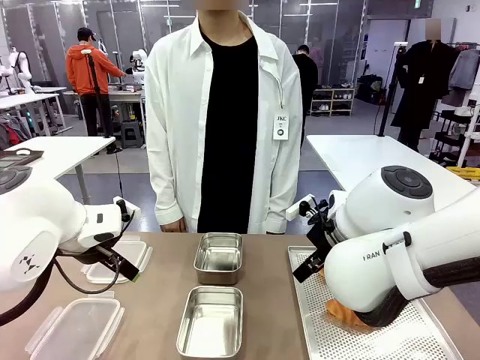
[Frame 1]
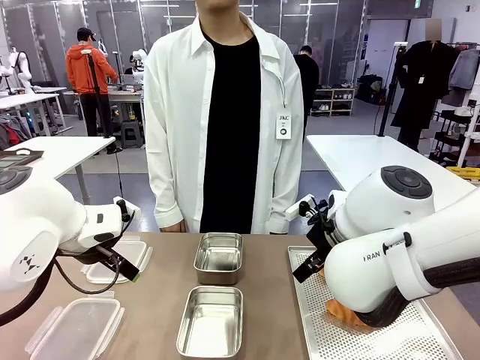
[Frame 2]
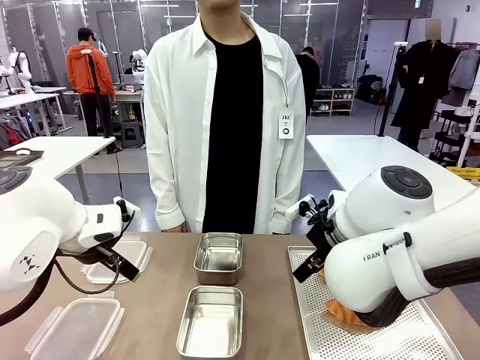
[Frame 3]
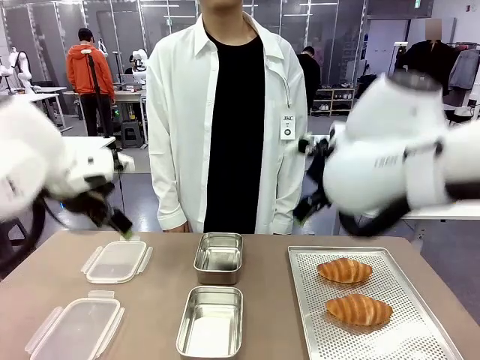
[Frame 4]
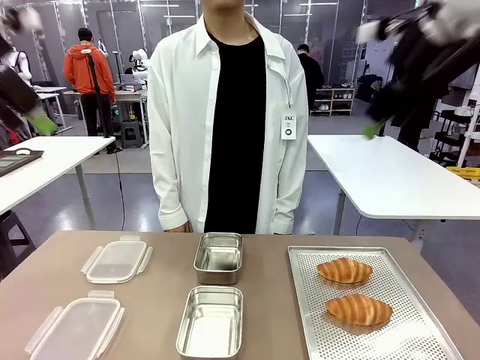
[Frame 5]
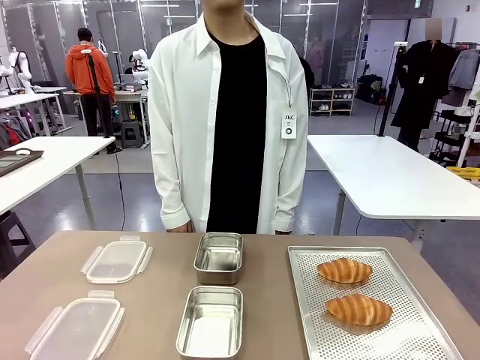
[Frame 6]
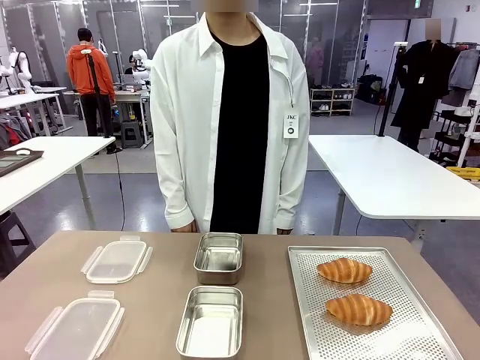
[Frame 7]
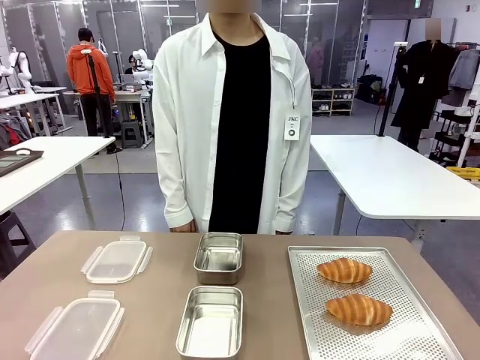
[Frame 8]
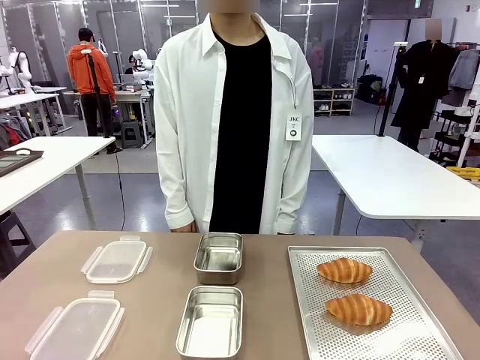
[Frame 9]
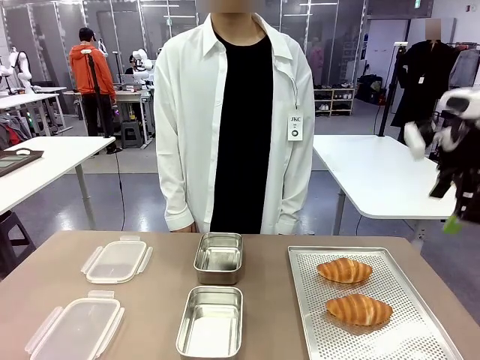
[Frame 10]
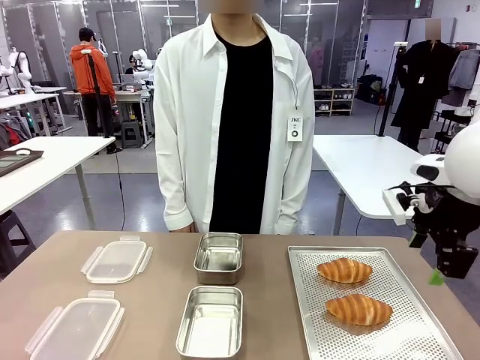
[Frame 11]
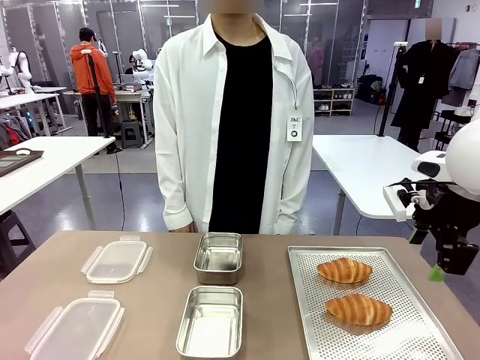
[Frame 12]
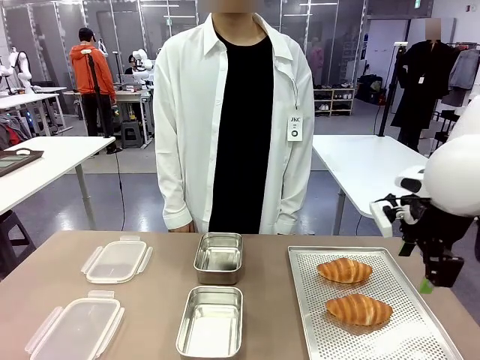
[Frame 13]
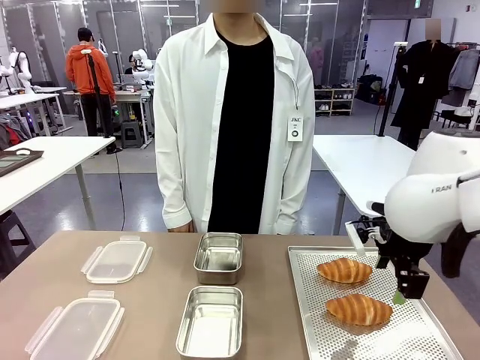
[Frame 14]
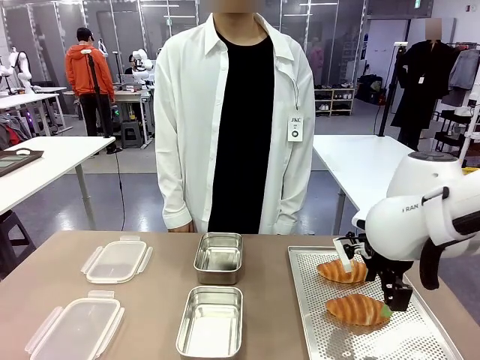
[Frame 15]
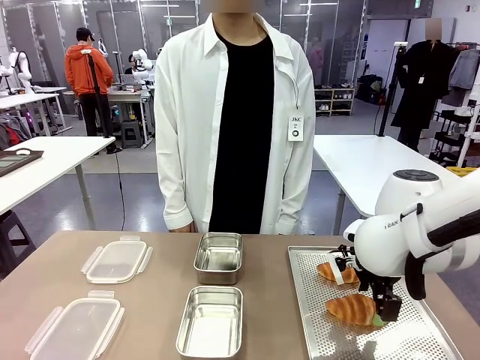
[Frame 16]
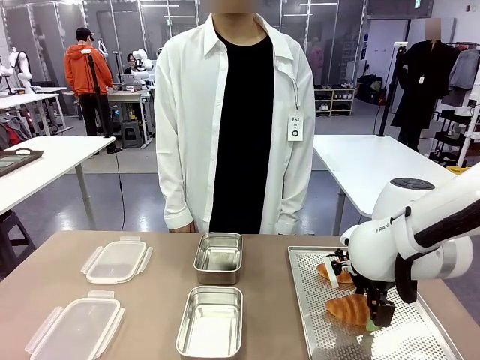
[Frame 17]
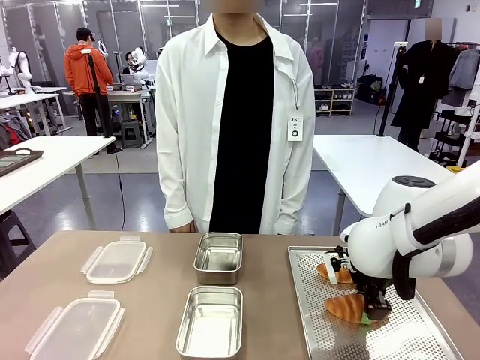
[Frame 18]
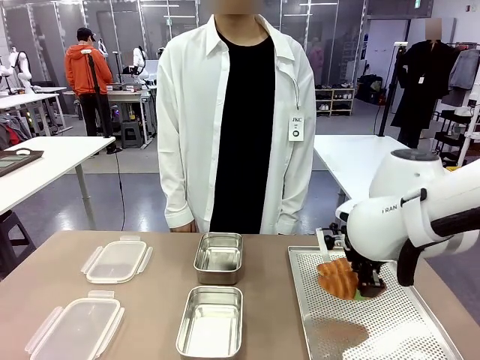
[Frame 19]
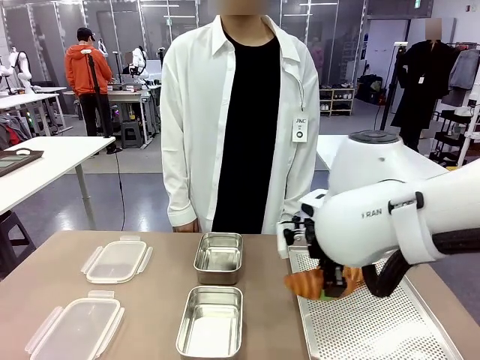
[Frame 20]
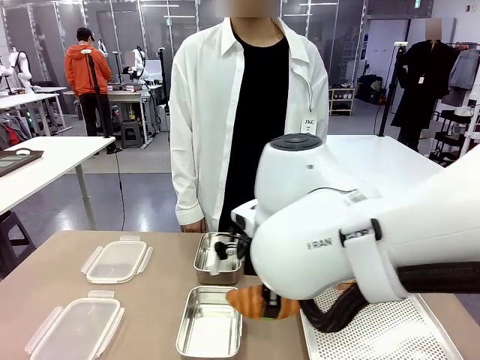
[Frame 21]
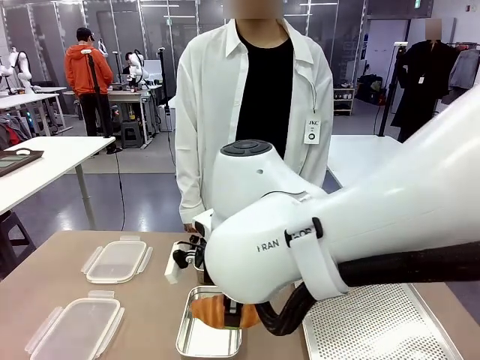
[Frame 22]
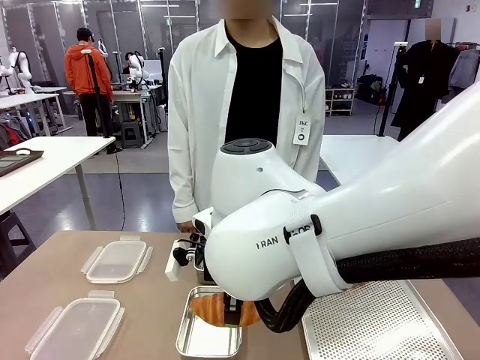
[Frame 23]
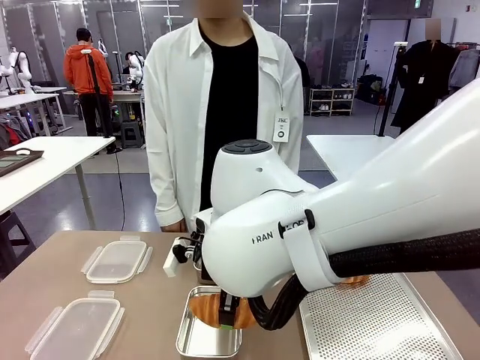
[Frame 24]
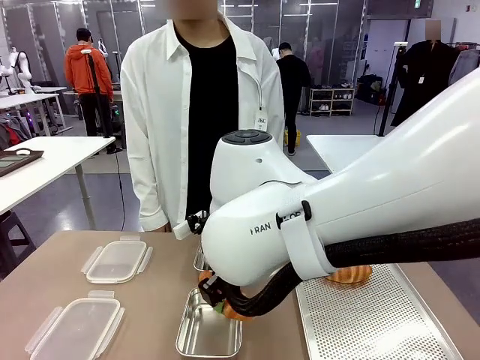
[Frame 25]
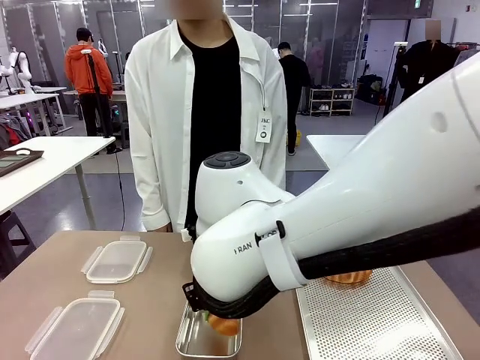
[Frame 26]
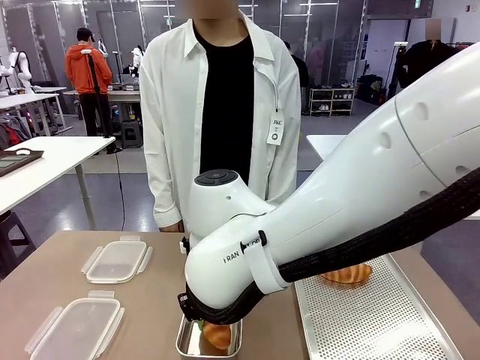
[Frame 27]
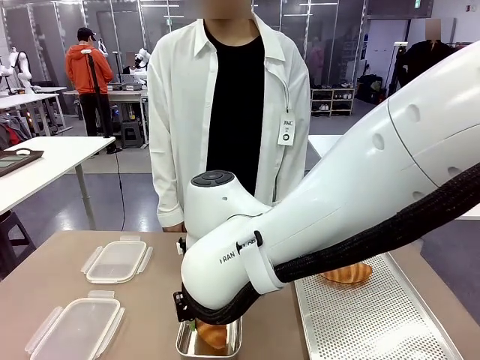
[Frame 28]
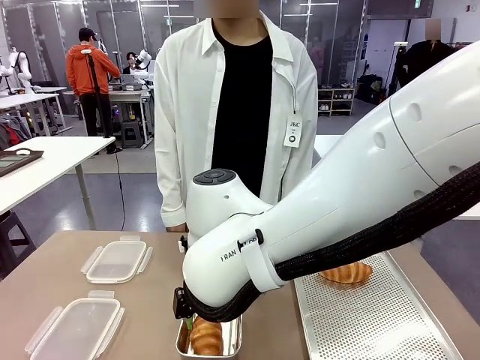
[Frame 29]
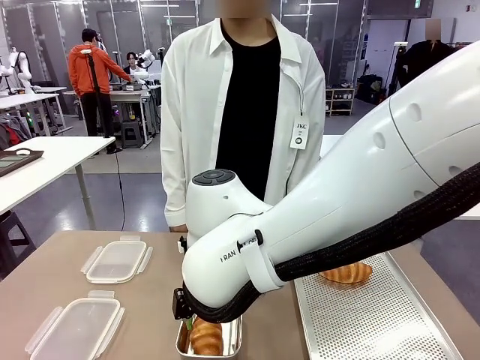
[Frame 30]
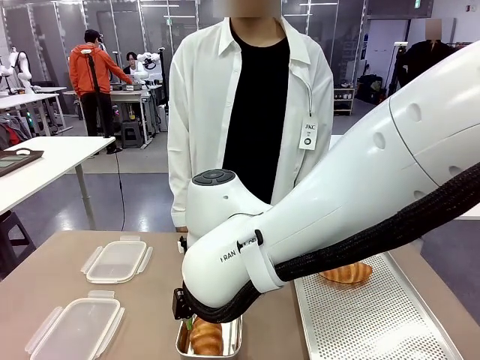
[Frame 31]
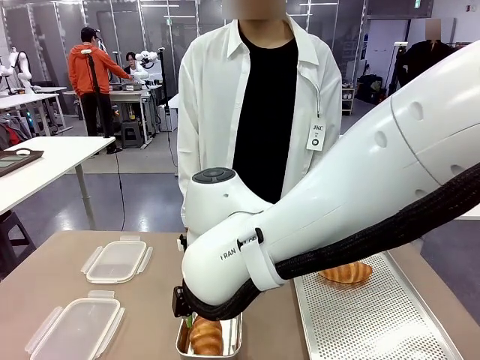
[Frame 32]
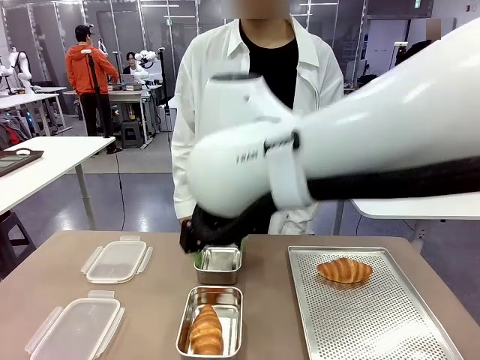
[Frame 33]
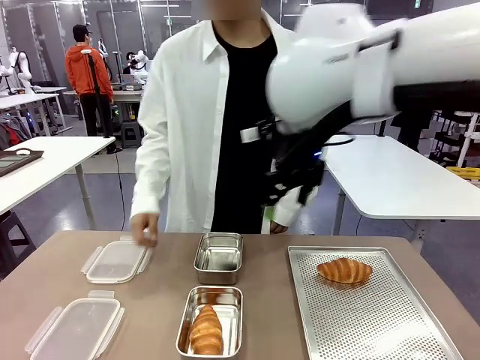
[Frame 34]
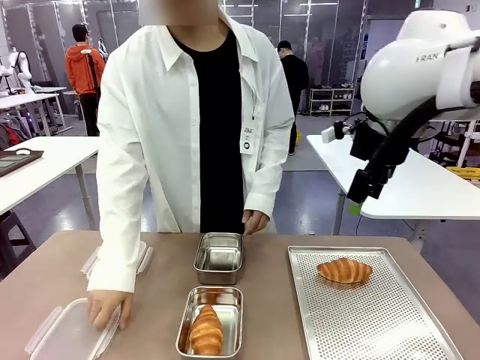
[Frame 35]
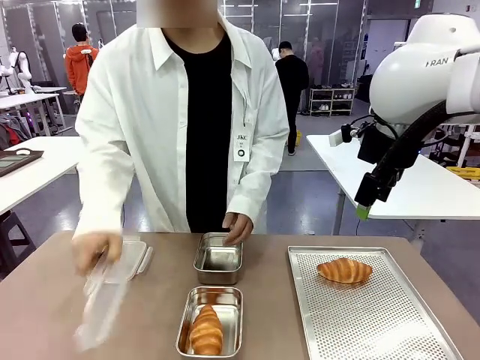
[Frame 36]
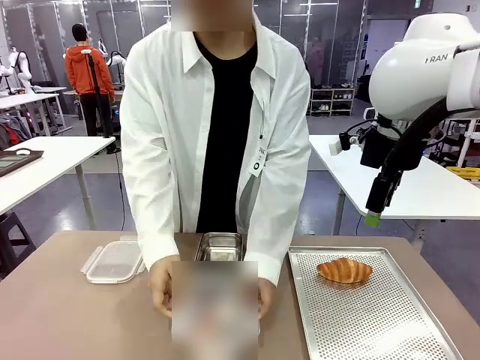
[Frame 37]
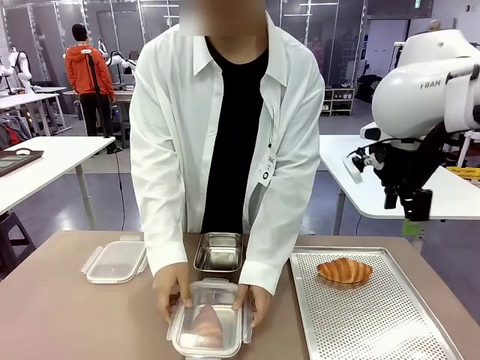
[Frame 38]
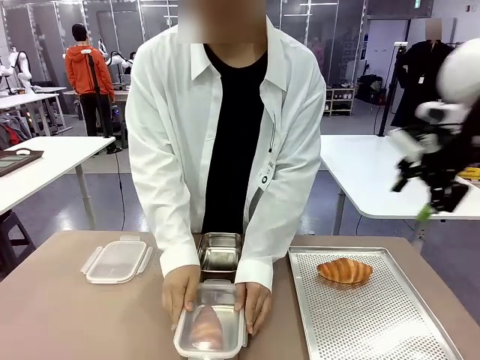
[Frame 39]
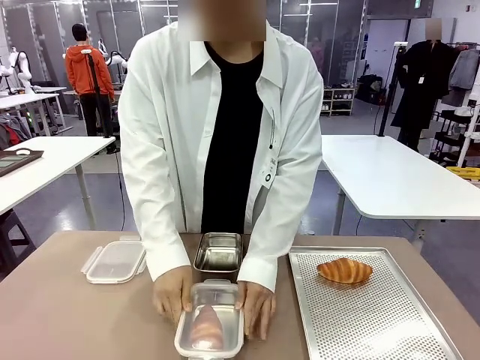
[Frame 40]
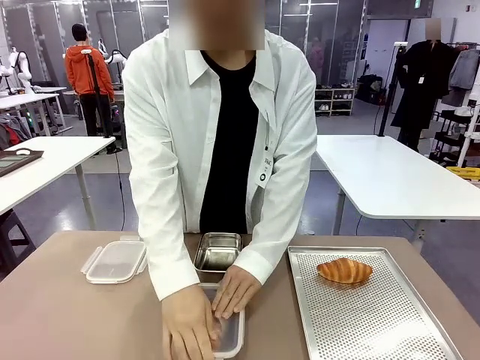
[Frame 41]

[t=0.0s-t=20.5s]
Task: Place the bread into the airtight container.
Robot: Pick up a Butter Roll and place it into an empty Airtight Container.
